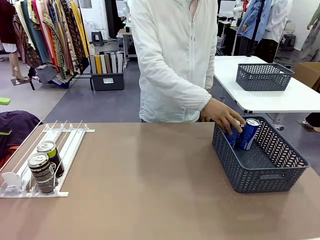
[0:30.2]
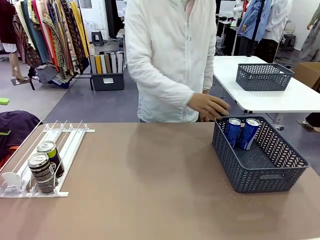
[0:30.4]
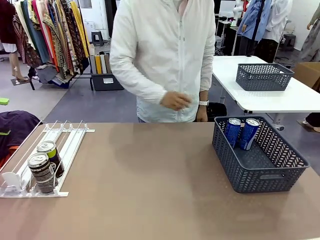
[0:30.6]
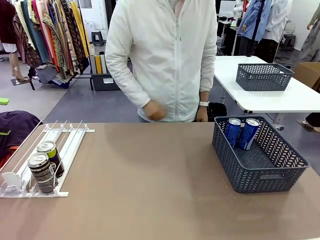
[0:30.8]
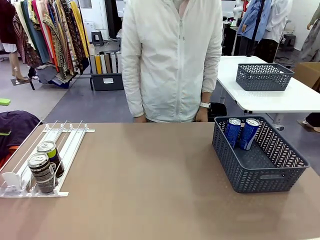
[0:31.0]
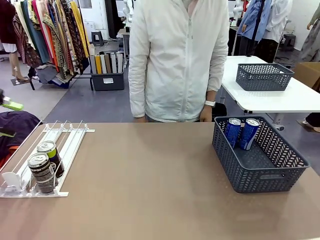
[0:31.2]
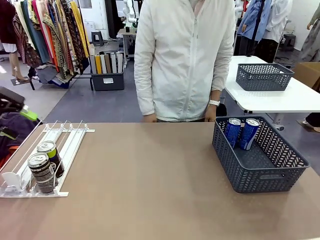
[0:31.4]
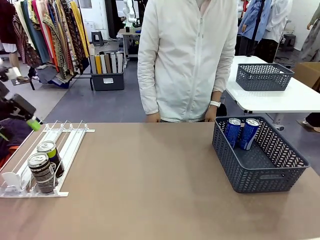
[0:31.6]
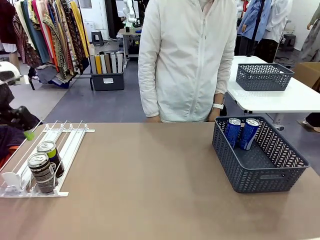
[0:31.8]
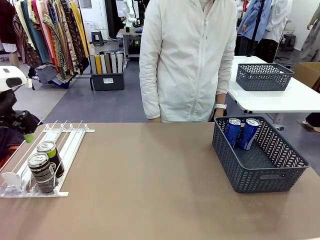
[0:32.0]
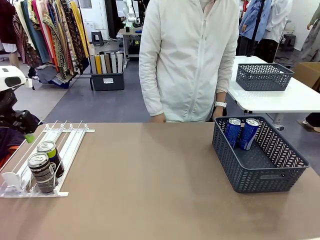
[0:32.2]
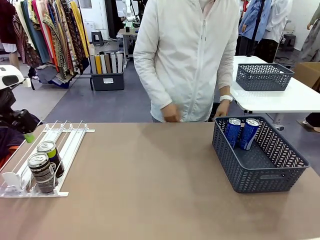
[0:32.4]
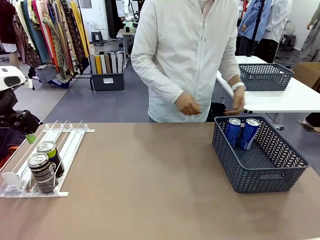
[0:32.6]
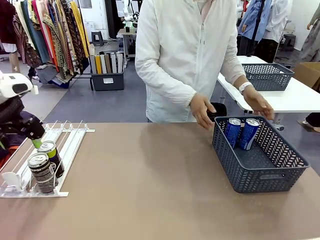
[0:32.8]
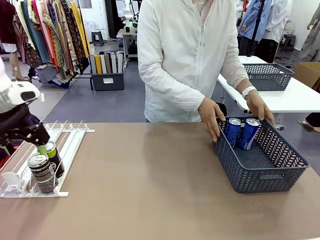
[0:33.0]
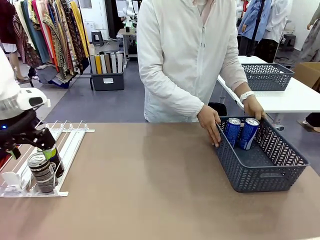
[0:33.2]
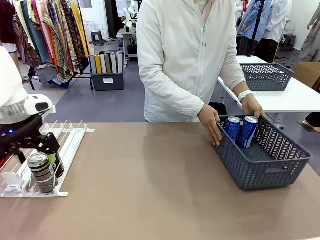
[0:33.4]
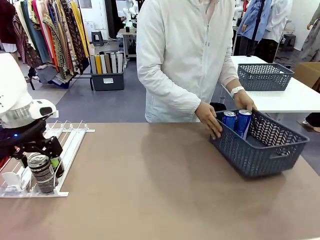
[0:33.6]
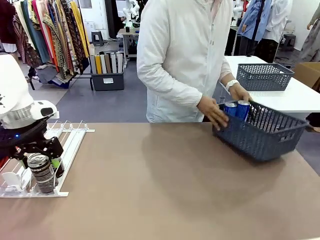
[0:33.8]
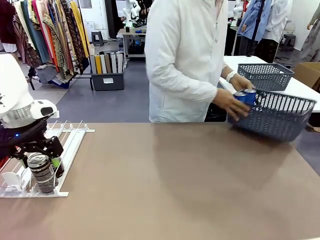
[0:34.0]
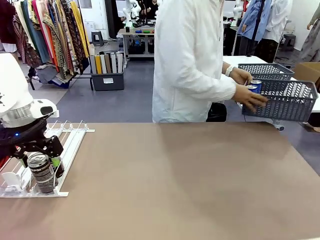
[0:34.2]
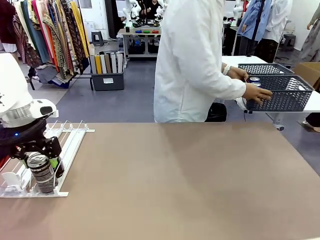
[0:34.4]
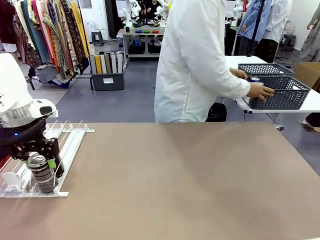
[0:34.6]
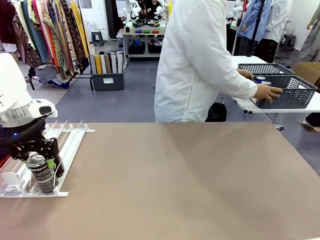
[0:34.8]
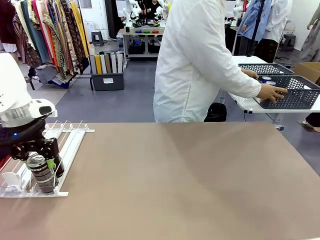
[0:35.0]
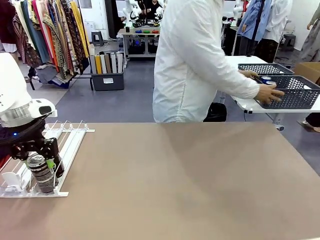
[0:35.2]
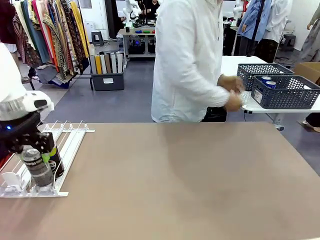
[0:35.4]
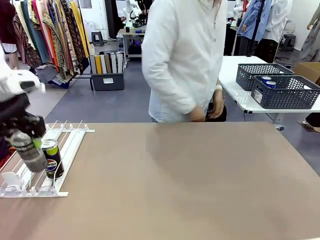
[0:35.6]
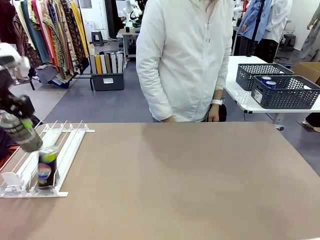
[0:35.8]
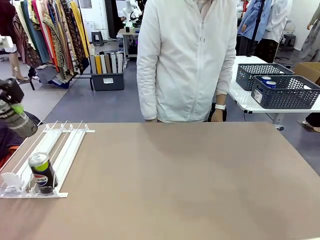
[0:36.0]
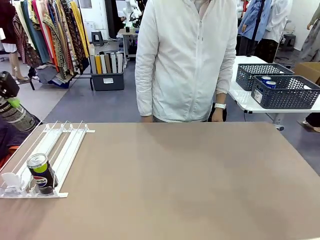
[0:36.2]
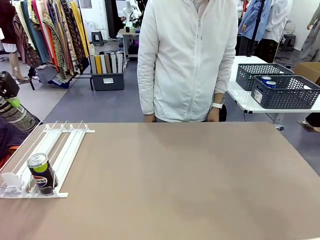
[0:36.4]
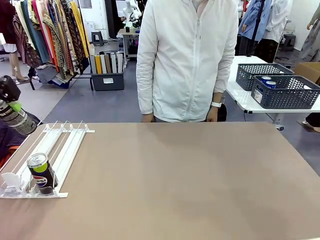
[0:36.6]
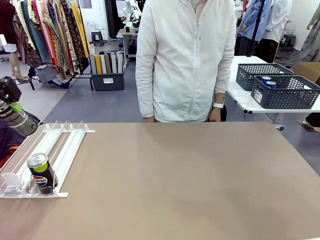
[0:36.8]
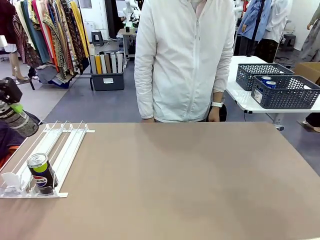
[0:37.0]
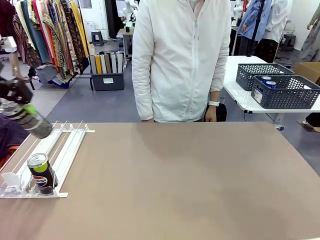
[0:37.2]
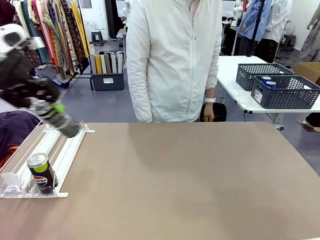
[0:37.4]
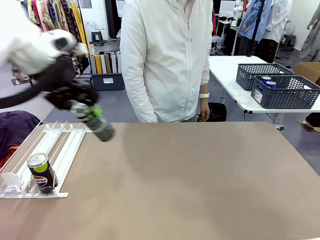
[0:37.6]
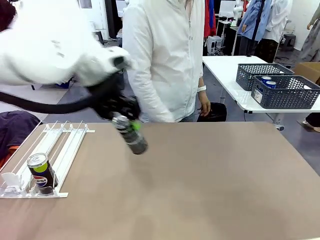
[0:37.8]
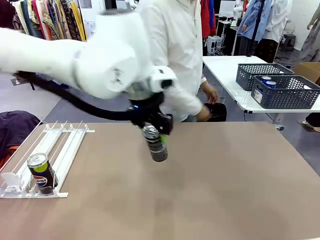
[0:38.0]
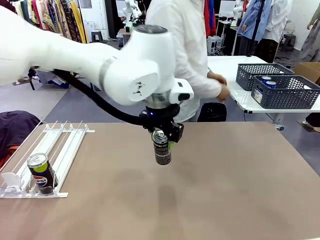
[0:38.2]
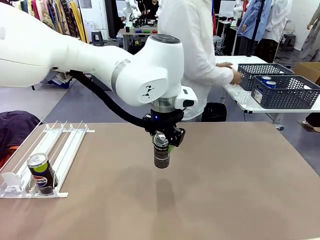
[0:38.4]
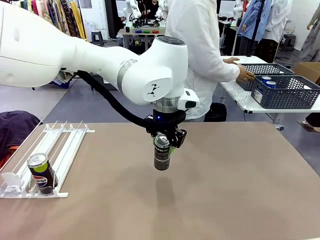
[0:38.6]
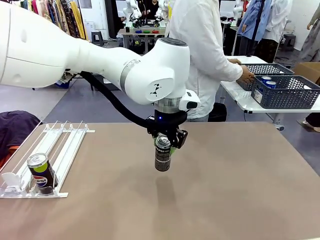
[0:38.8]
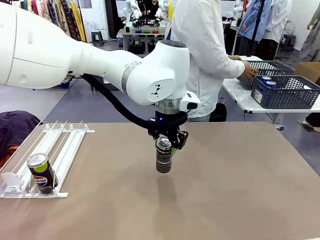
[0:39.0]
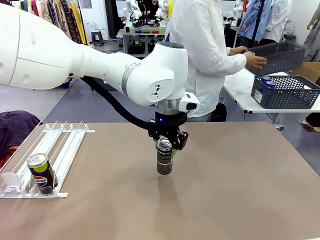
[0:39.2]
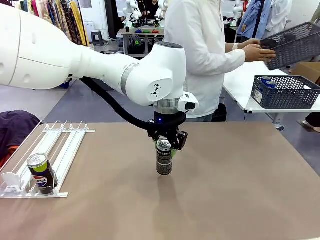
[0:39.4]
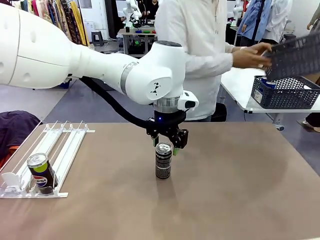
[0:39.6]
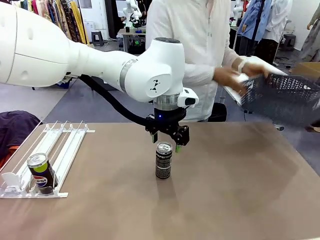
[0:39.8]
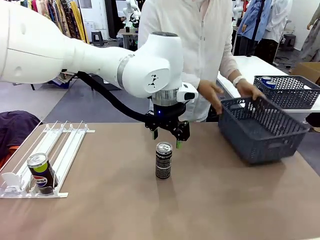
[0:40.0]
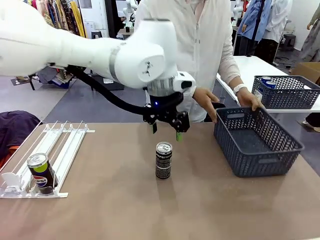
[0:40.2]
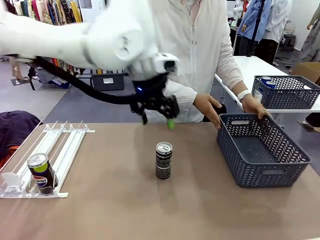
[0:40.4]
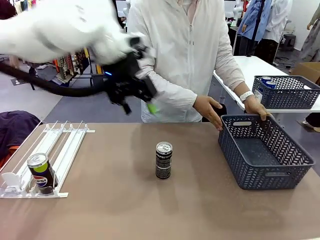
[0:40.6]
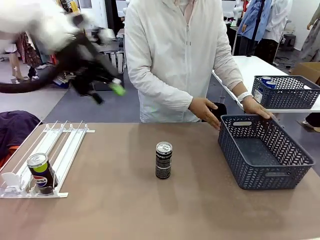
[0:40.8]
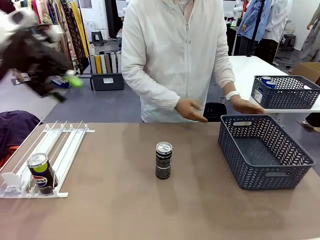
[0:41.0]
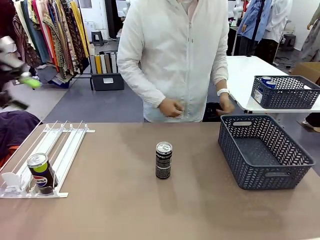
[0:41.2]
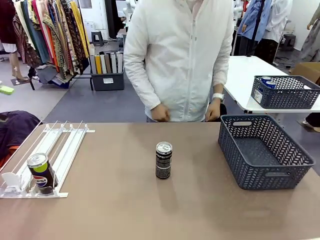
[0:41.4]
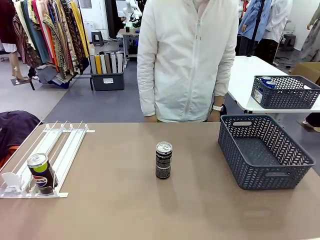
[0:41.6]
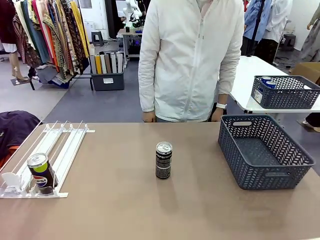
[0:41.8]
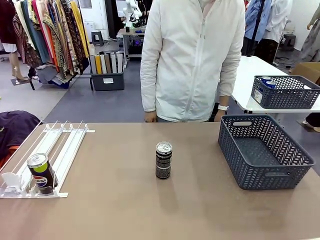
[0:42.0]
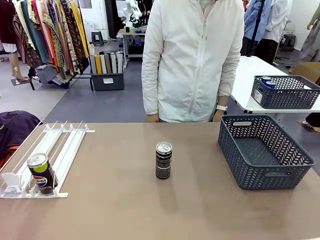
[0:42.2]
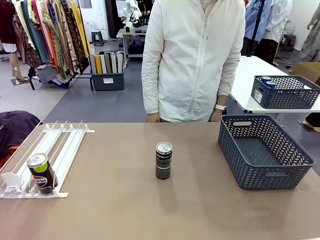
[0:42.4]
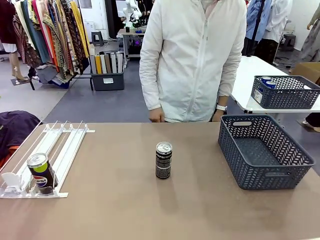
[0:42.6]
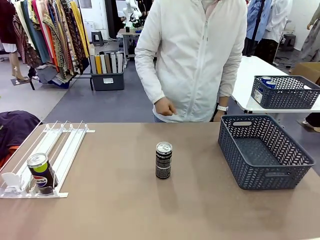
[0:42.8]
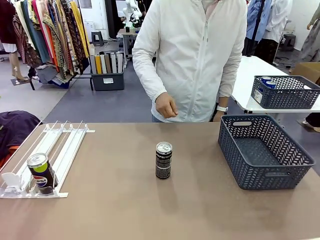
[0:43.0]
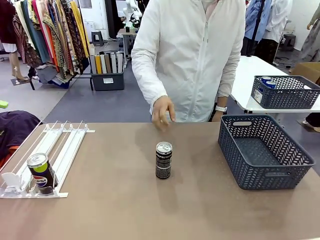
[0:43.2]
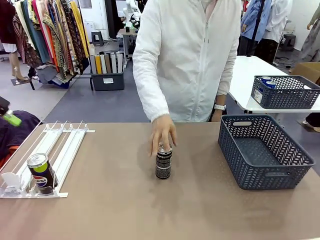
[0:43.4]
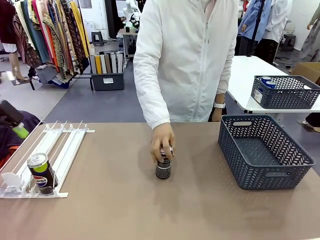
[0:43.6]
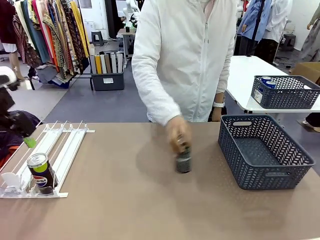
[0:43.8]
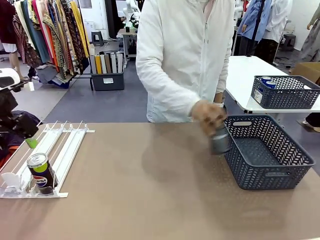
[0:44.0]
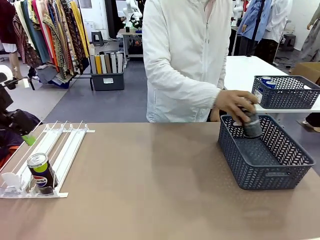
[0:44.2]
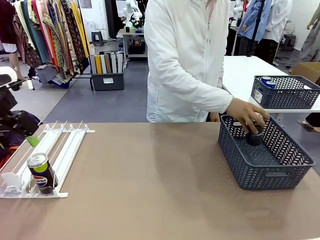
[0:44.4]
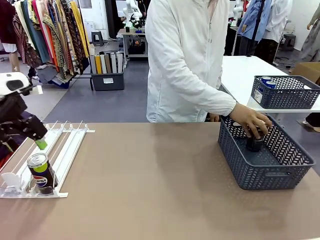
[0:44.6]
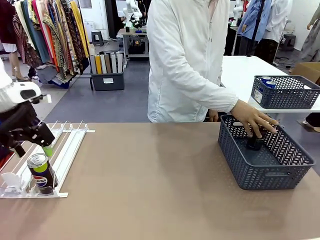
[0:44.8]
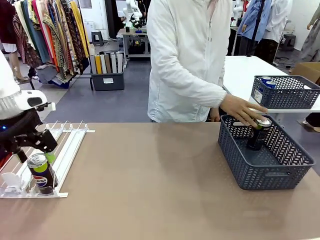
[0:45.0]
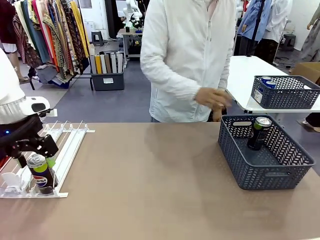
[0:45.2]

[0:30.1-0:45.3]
Task: Retrieve and store the cans from the dispenser.
Robot: Pick up one can from the Automatic Can Dispenser and place it in the middle of the table.
Person: Pick up the basket and place it in the middle of the human table. Pick up the empty basket and place it on the left side of the robot table.
